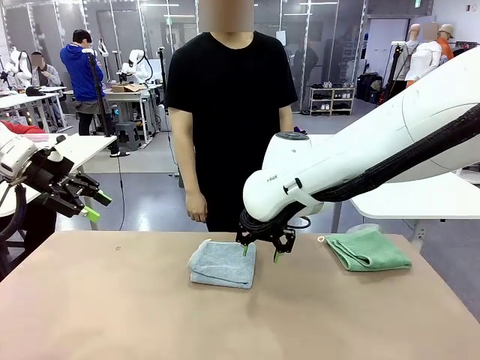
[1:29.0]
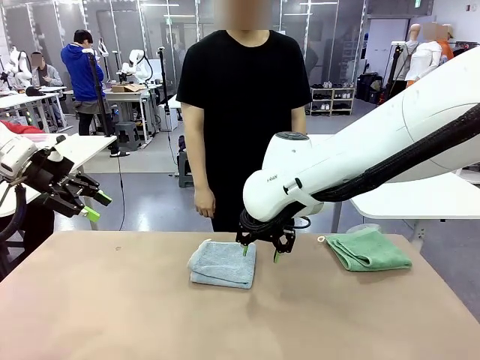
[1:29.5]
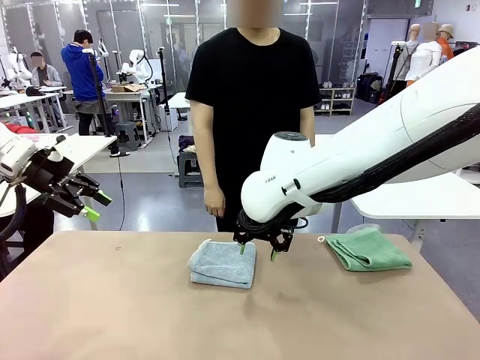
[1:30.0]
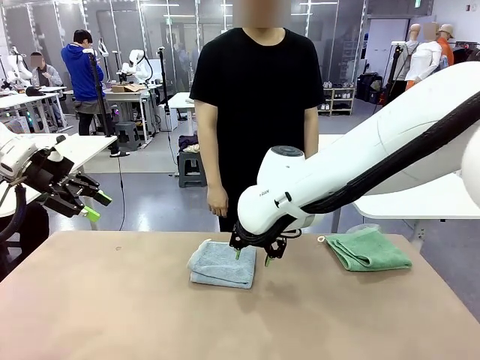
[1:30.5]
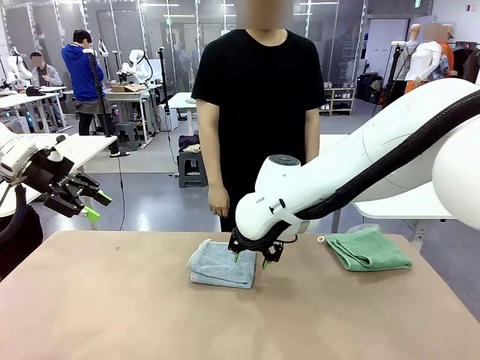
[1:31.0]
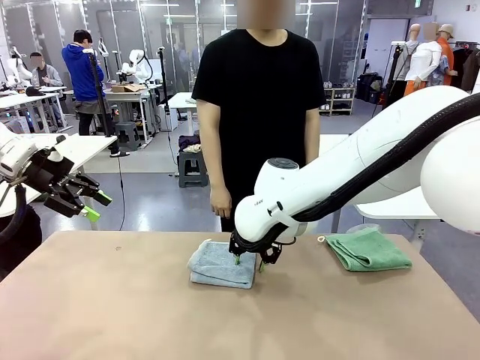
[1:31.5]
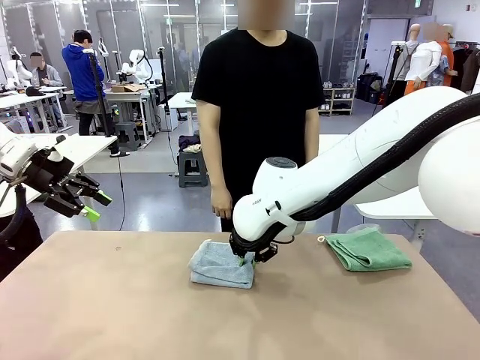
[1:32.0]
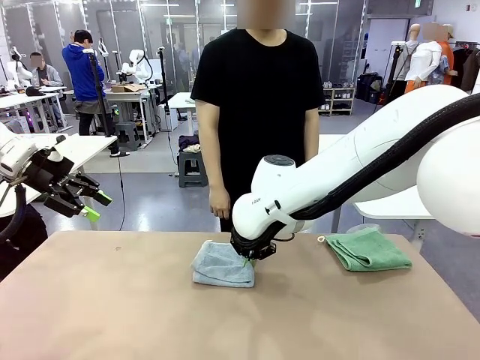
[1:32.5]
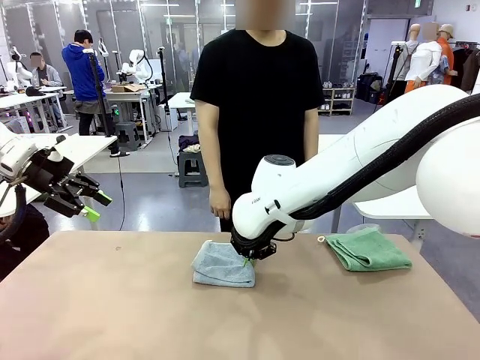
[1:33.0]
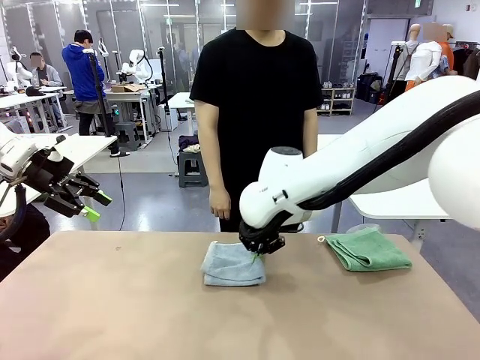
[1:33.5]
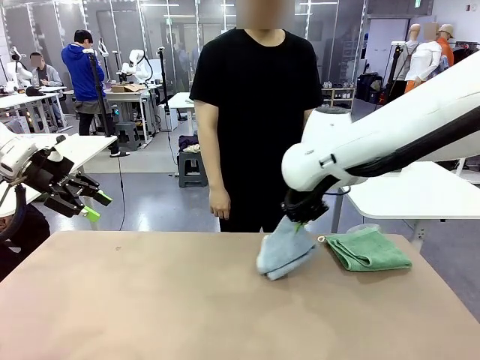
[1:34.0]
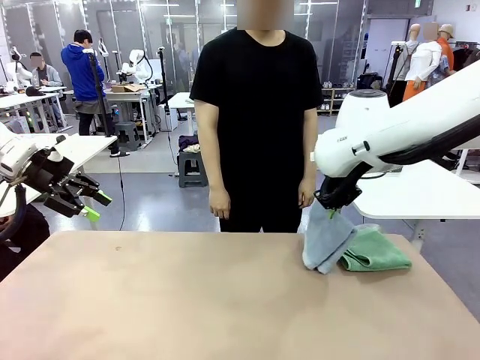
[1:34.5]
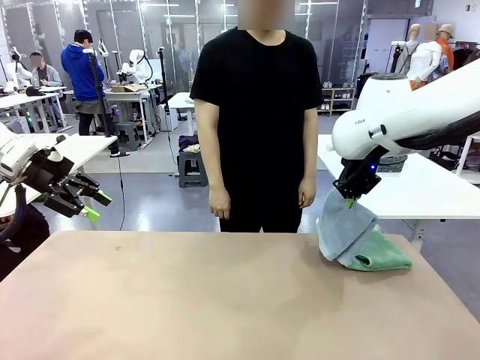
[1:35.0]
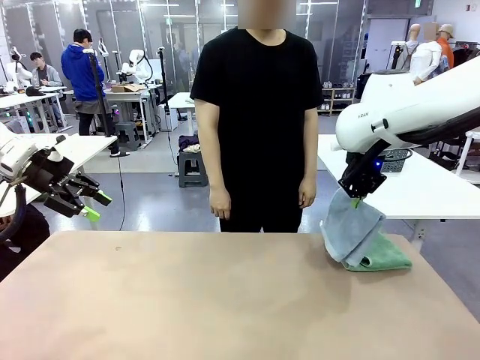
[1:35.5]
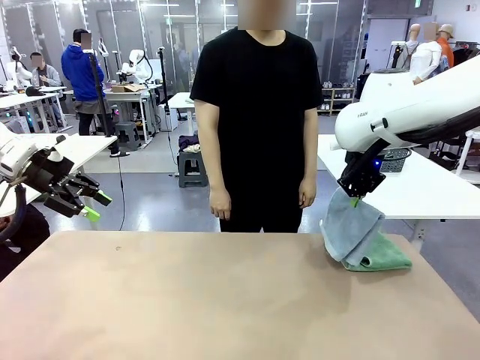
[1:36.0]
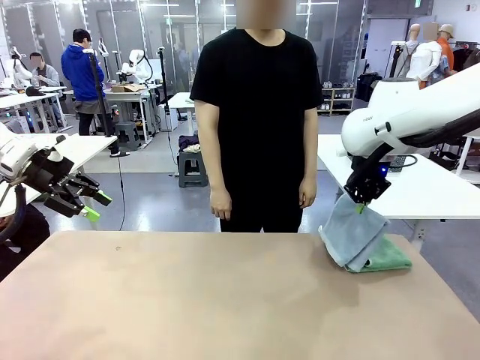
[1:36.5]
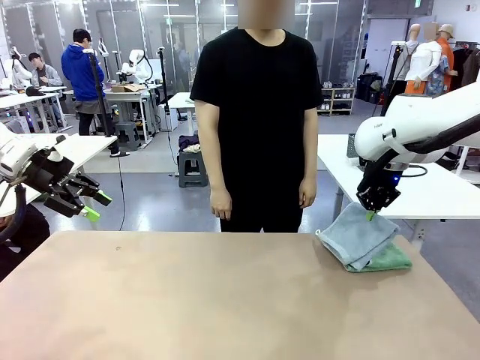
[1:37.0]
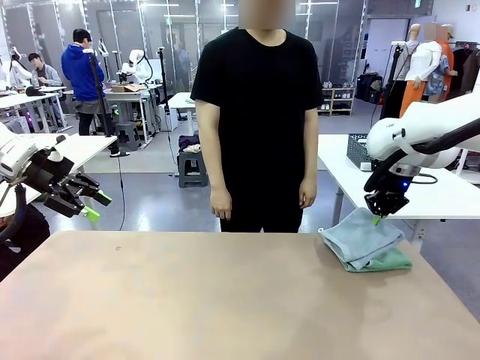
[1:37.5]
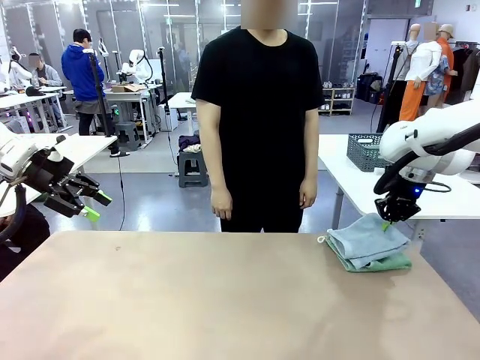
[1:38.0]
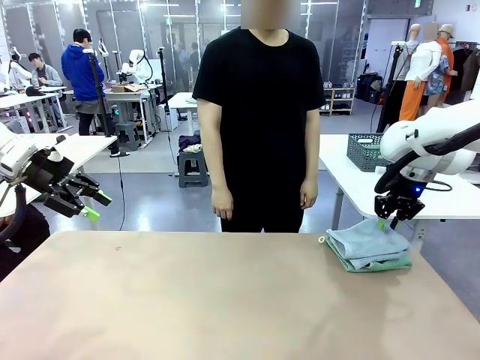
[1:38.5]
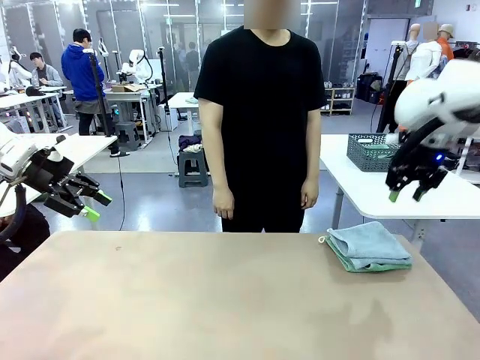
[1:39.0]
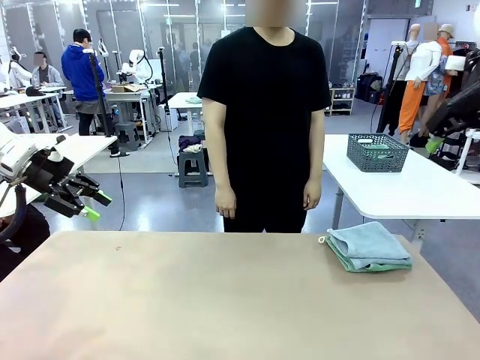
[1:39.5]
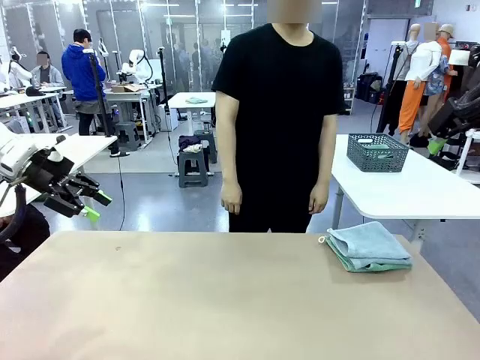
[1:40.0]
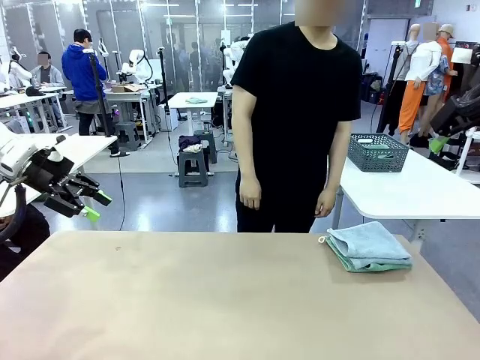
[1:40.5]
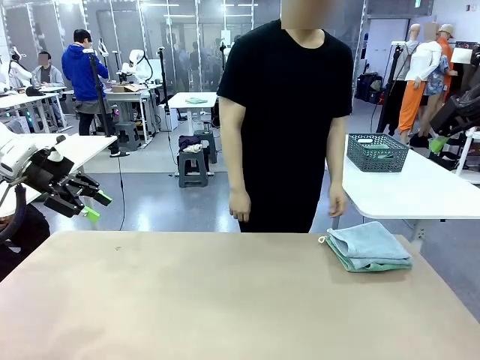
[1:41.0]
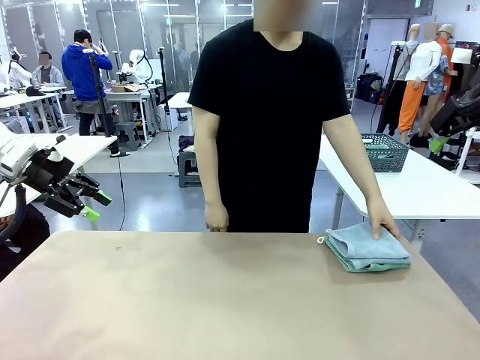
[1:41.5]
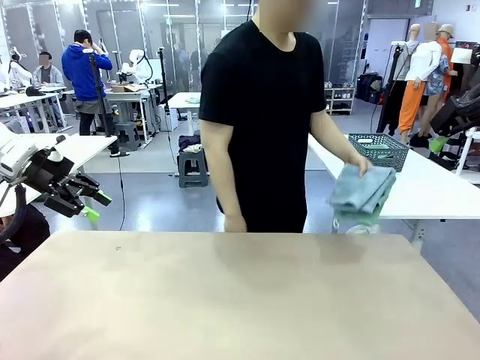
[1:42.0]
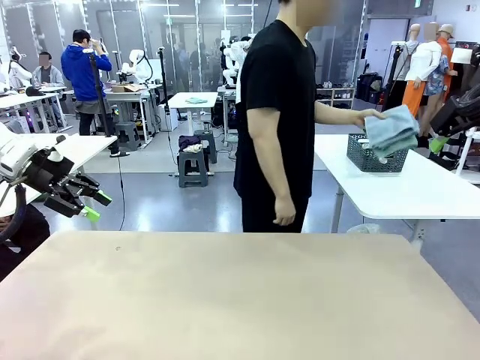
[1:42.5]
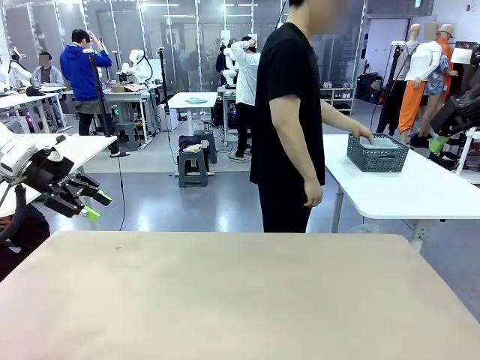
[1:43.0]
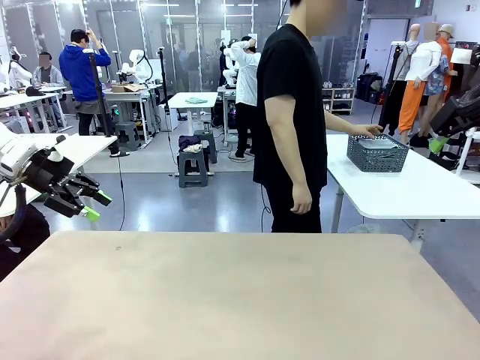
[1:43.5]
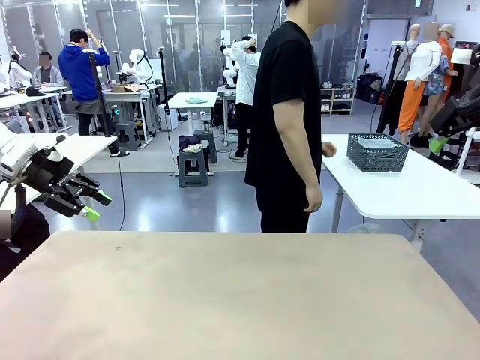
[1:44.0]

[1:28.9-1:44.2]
Task: Fold the towels and place them in the basket.
Robot: Stack the folded Towel with hook on the right side of the table.
Person: Pick up the stack of towels from the robot table and place it into the basket.

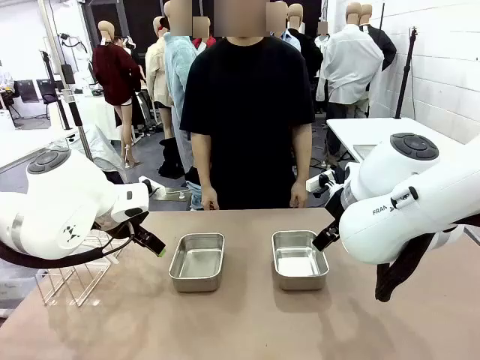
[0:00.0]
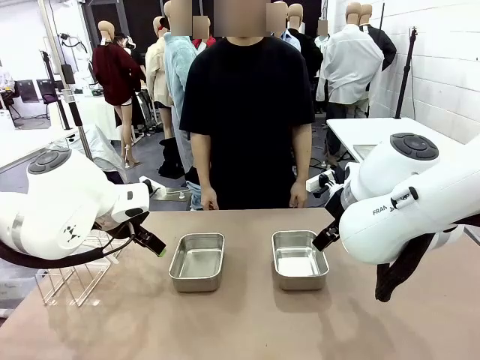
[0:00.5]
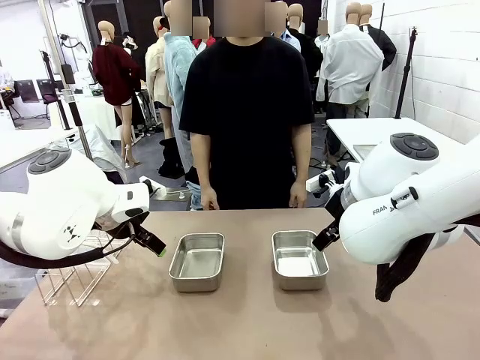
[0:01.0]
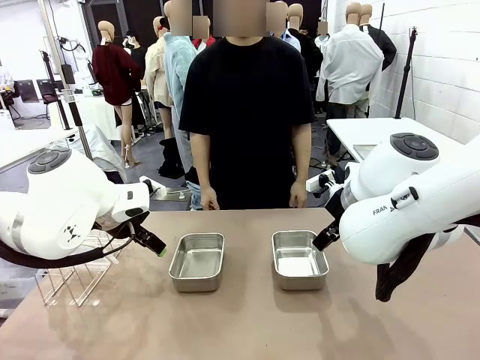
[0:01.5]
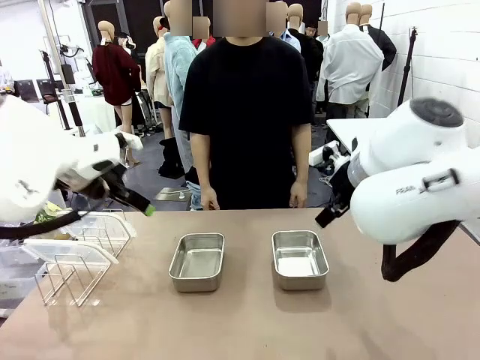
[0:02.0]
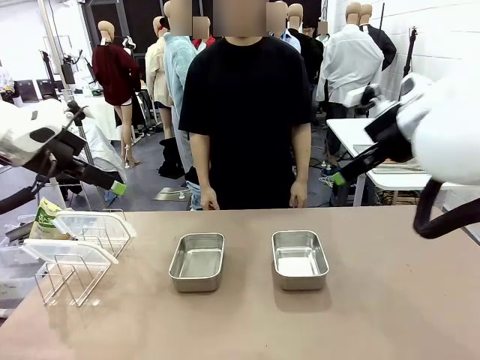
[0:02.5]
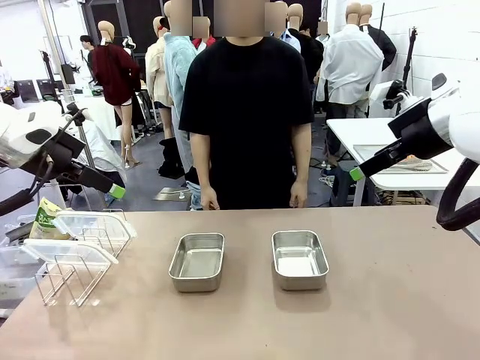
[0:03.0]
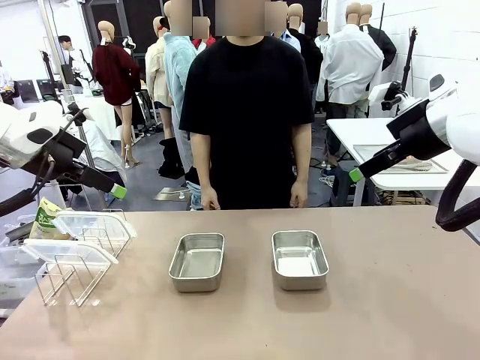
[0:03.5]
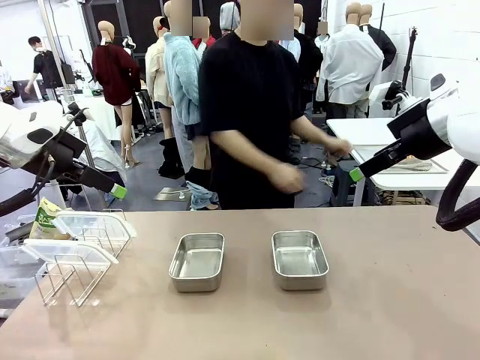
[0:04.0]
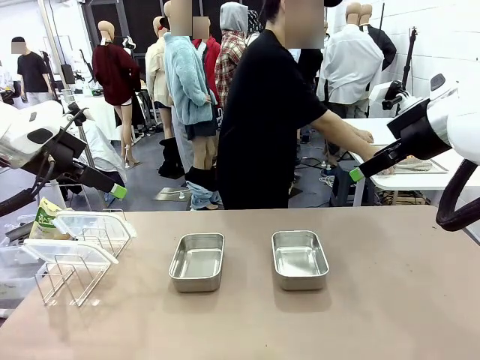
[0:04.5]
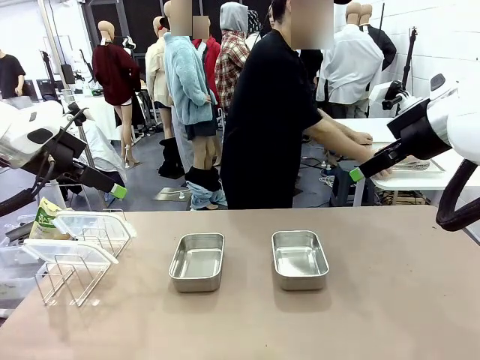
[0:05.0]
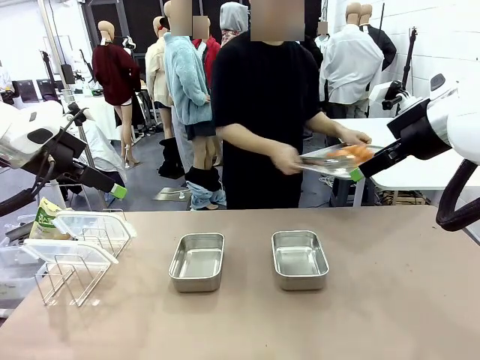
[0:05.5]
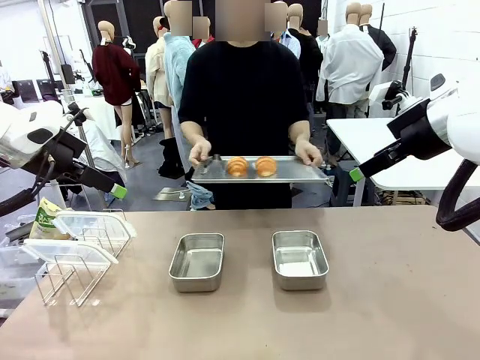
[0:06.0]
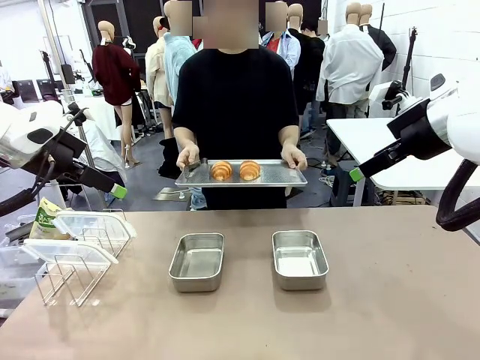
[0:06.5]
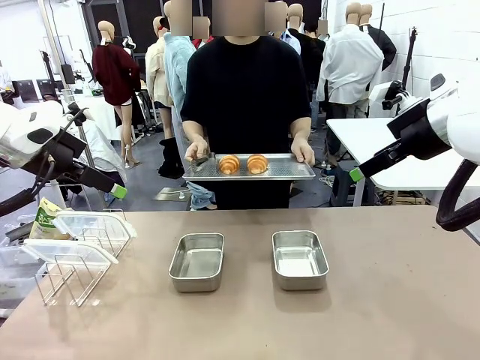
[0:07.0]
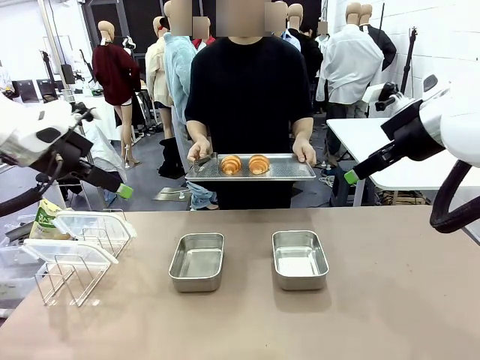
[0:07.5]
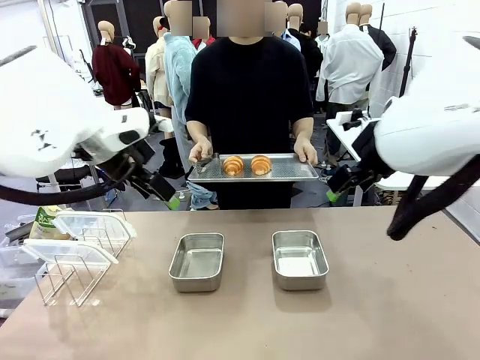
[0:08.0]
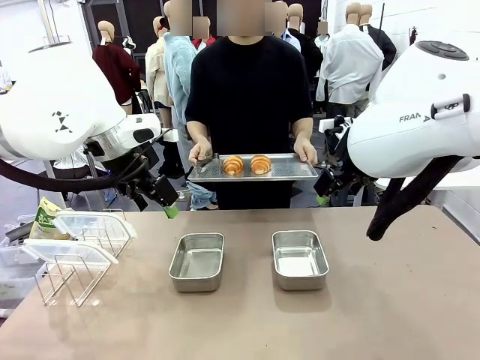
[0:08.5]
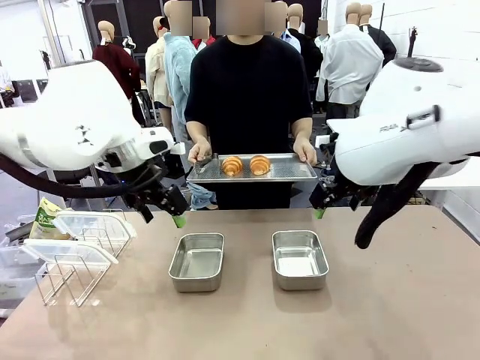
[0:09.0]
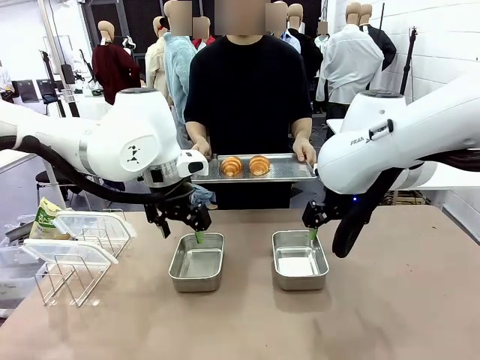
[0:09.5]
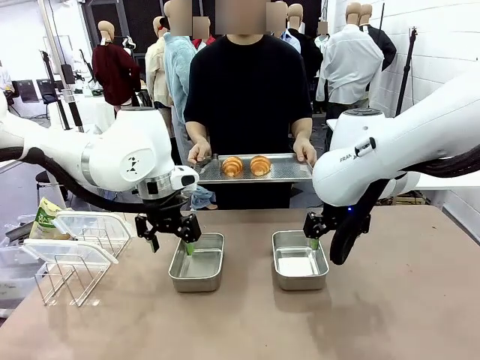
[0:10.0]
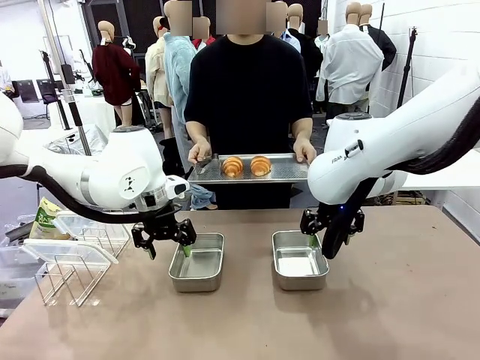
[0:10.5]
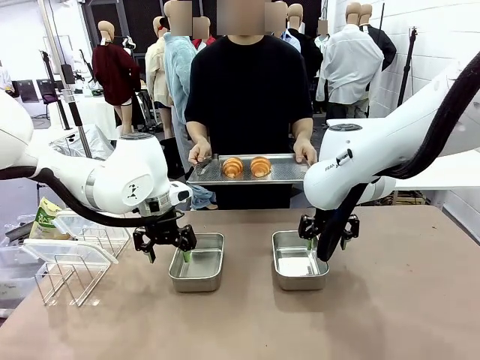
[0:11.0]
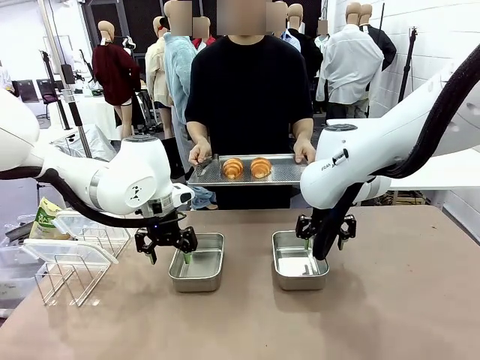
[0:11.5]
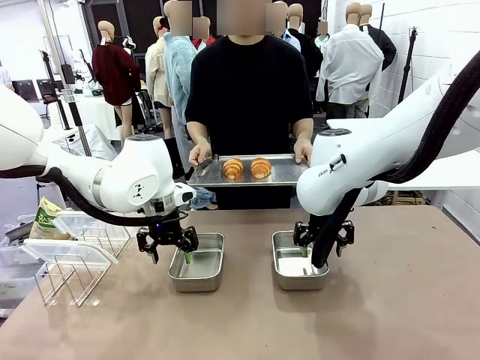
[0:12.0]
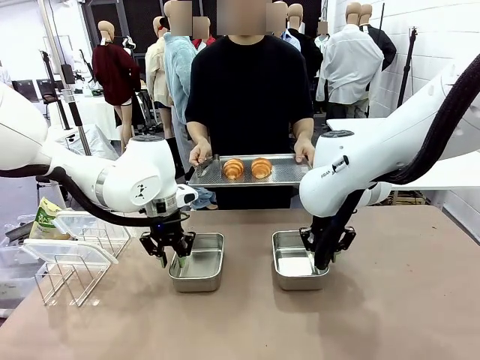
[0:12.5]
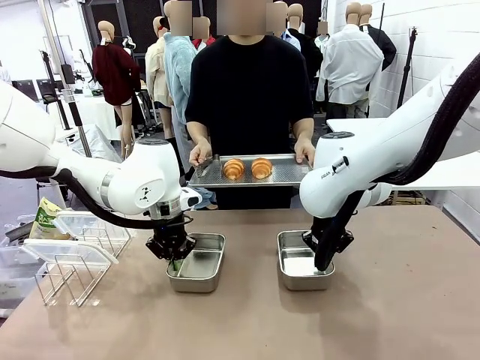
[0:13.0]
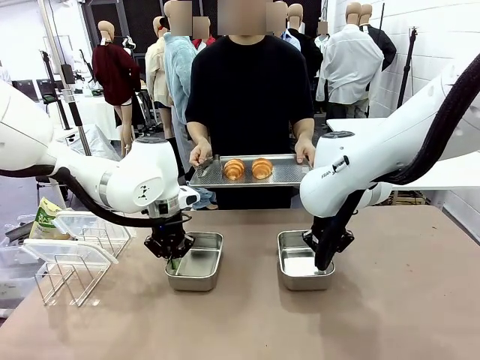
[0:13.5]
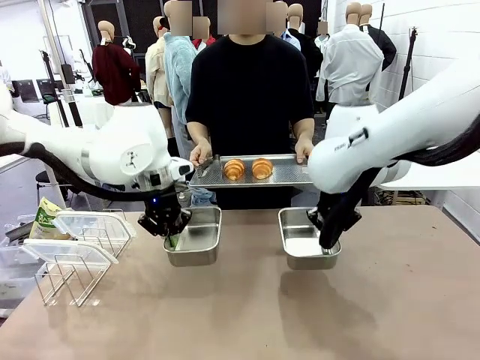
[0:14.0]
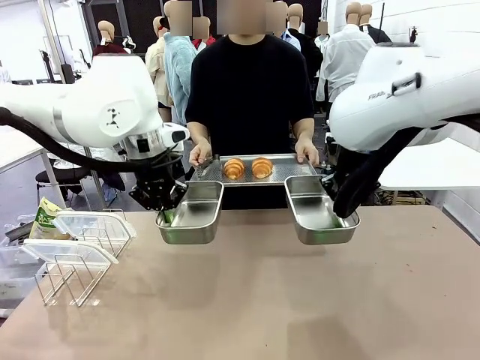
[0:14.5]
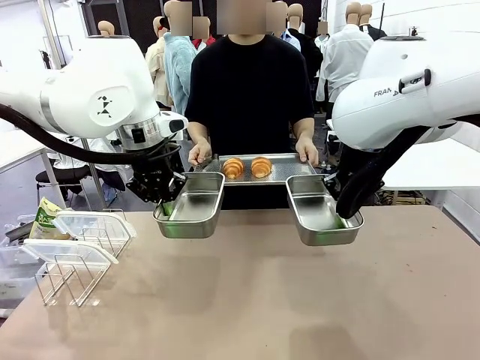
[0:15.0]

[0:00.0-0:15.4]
Task: Place the bread in airtight containers.
Robot: Lift both Airtight Container.
Person: Bring the Baking Sheet in front of Robot's Table.
